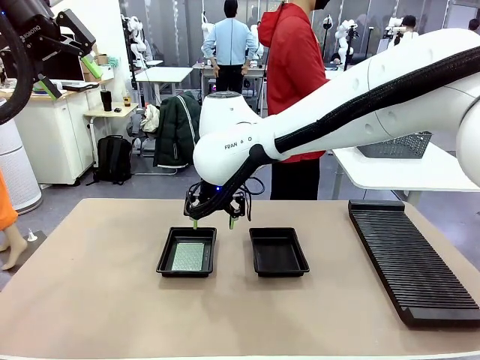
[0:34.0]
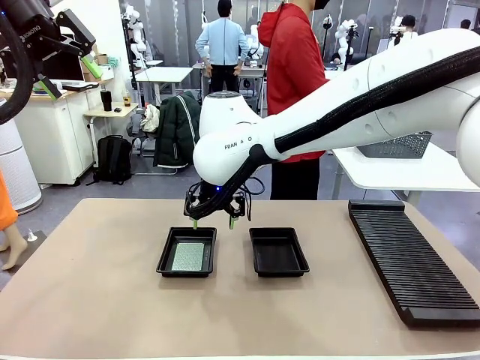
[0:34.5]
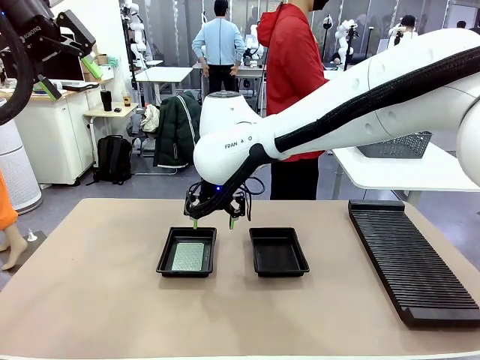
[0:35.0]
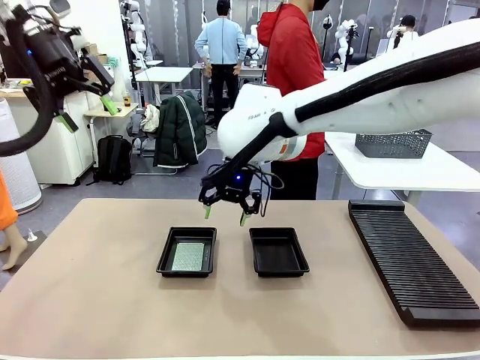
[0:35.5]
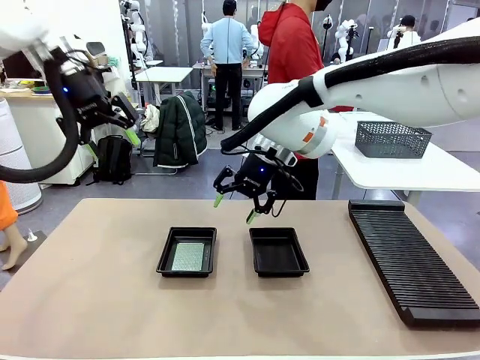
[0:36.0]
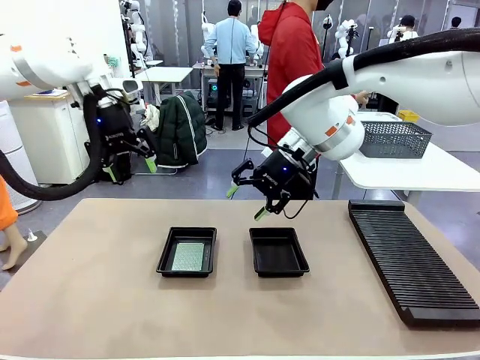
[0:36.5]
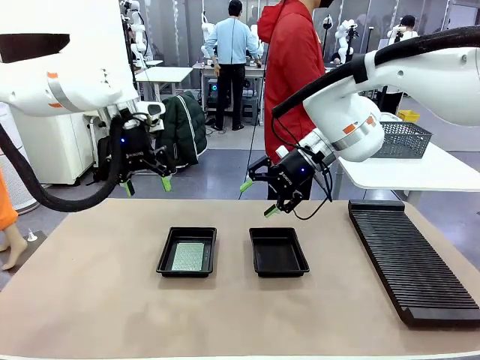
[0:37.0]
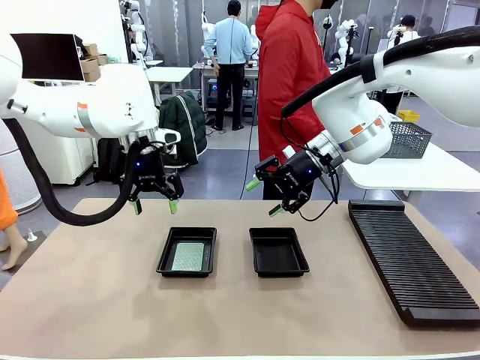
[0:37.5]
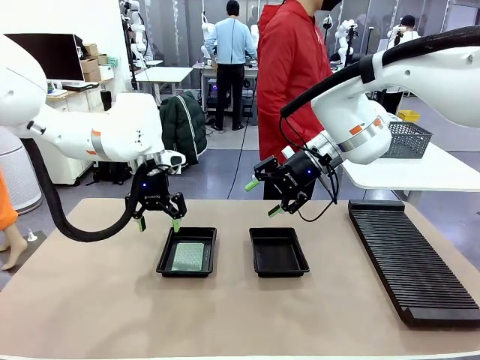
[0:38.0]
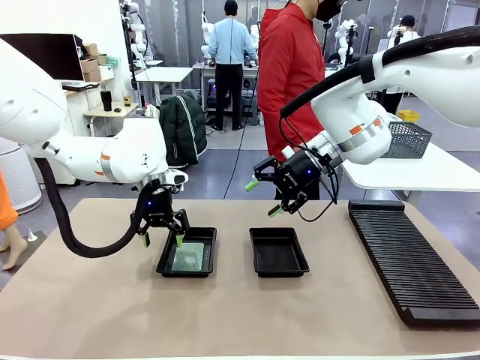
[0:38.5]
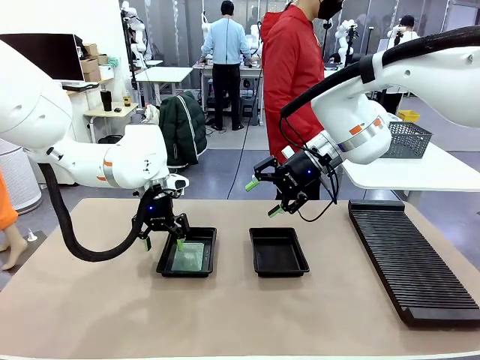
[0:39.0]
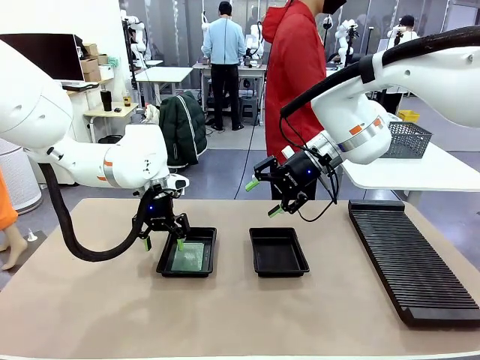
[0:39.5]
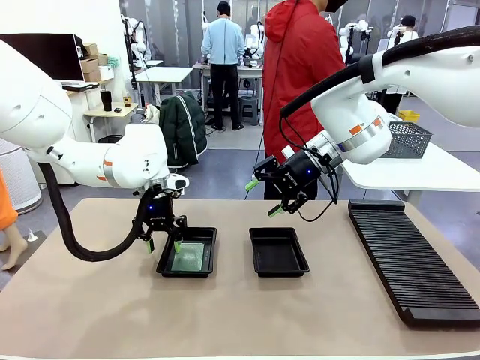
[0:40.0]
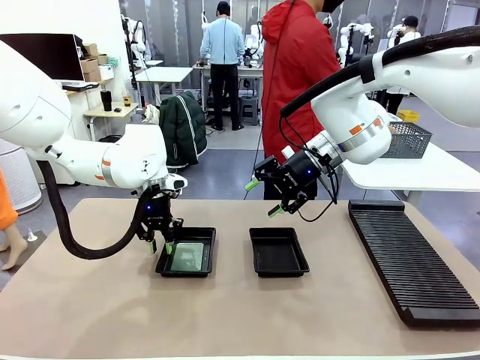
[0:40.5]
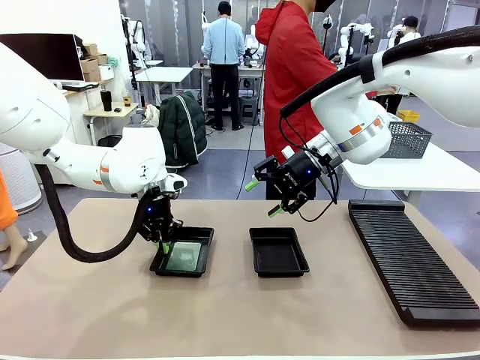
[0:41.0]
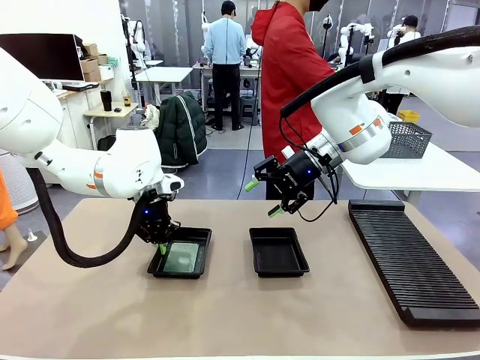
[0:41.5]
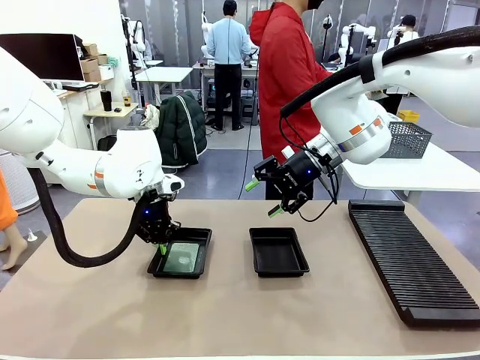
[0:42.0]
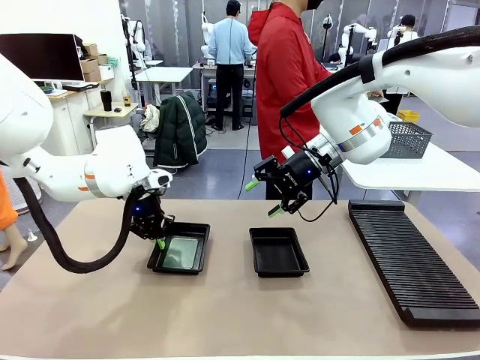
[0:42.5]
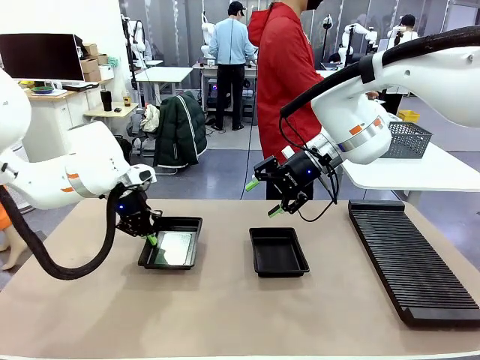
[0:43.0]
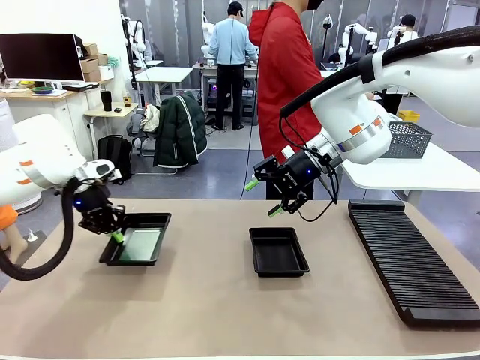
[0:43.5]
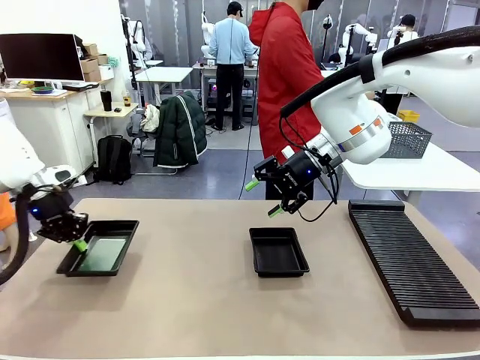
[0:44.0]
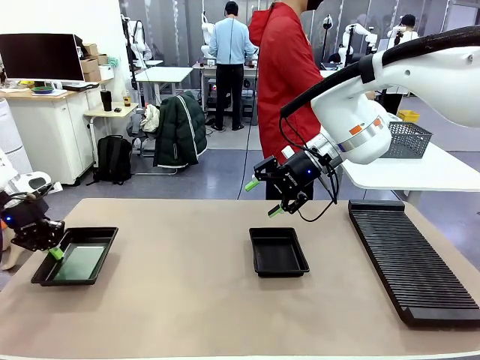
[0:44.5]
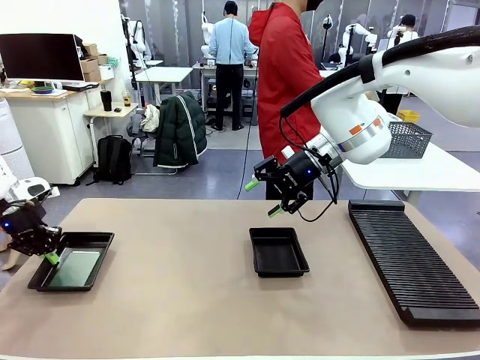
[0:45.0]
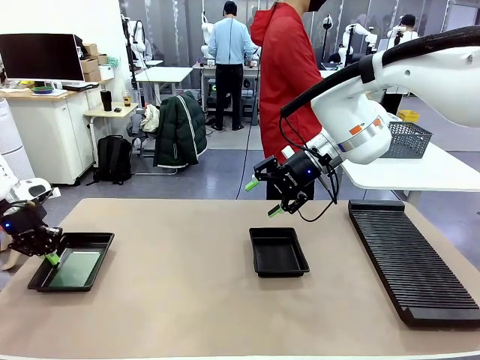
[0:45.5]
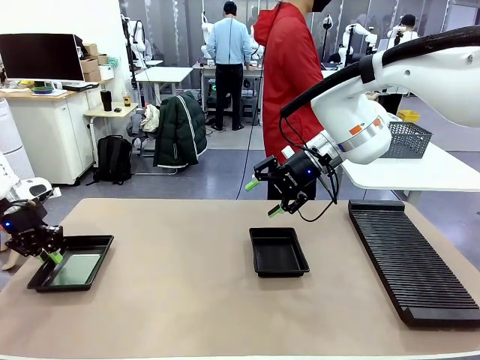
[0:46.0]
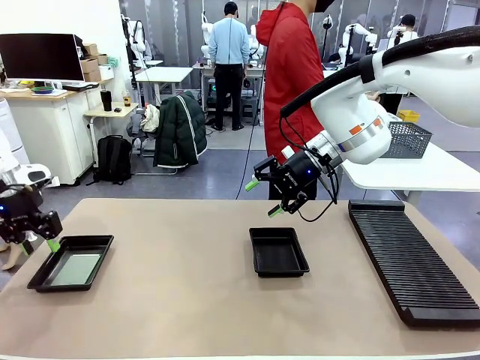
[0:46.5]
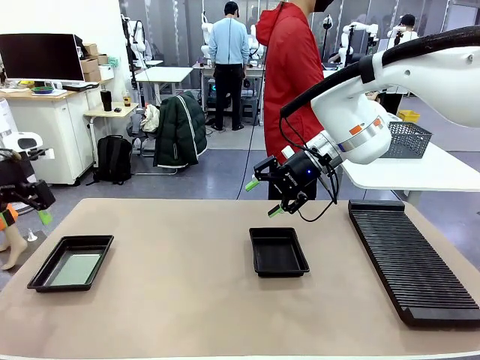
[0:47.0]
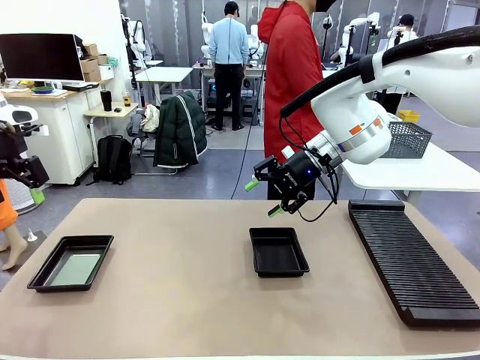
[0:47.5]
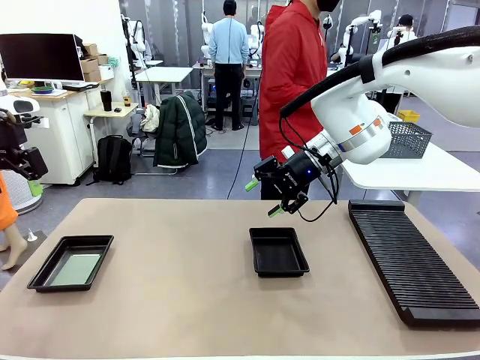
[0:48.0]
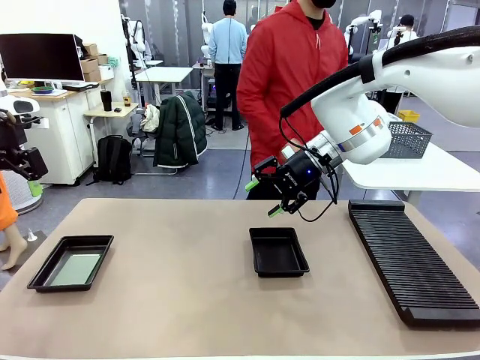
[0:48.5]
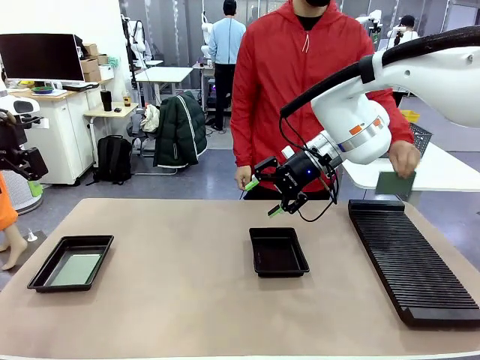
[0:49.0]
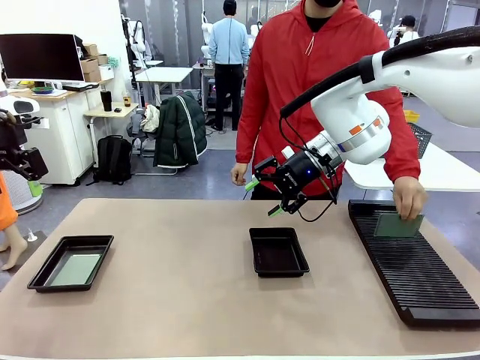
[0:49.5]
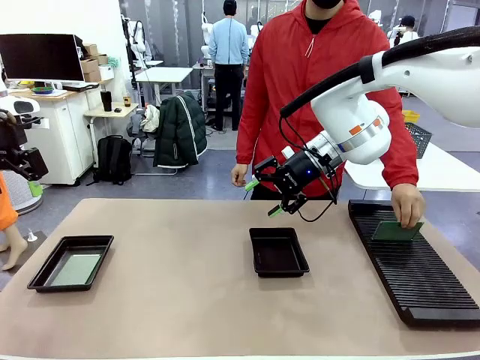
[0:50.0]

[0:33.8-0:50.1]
Task: Inspect and transfer BCBs to ESD trays.
Robot: Pick up the ESD tray and place it on the left side of the table.
